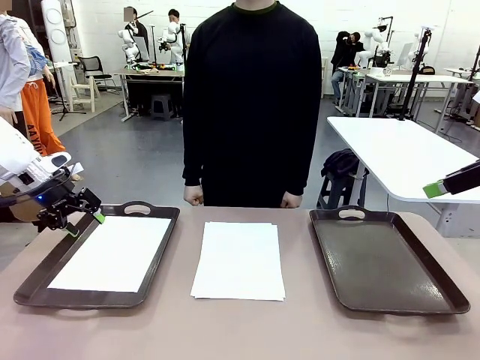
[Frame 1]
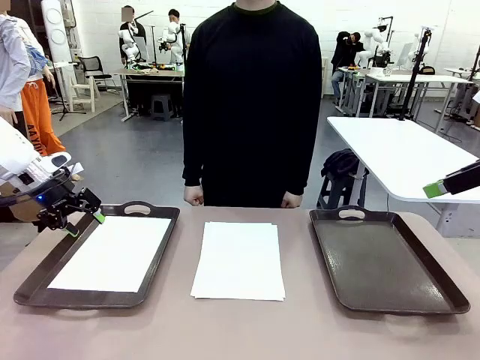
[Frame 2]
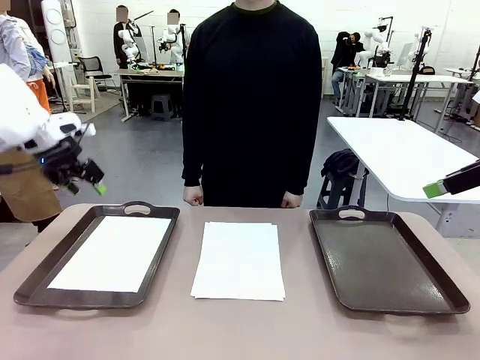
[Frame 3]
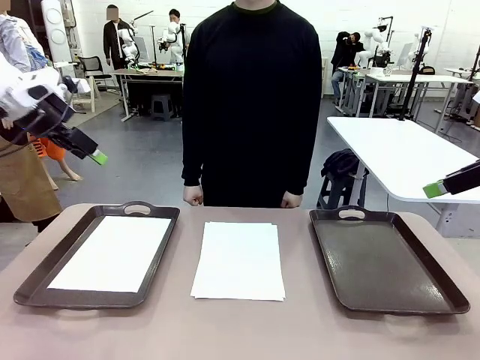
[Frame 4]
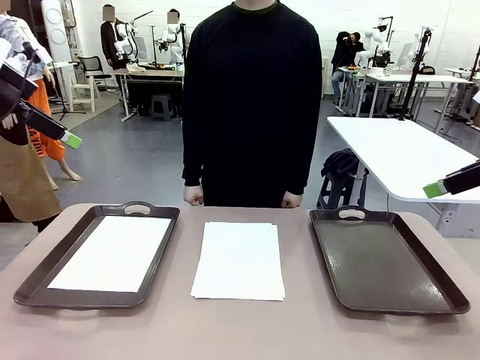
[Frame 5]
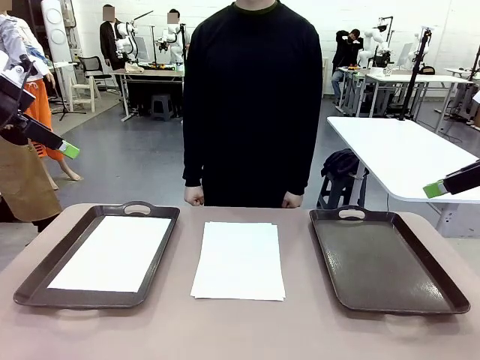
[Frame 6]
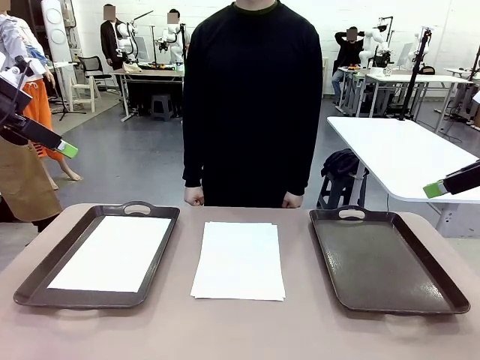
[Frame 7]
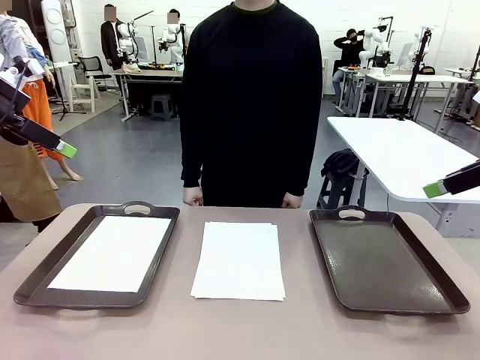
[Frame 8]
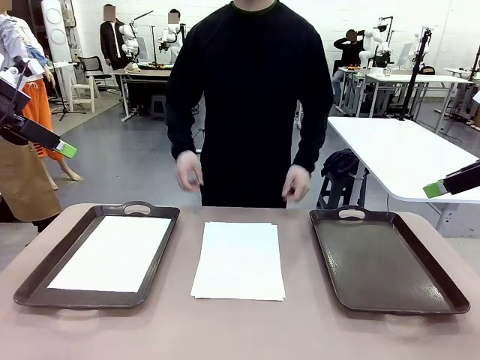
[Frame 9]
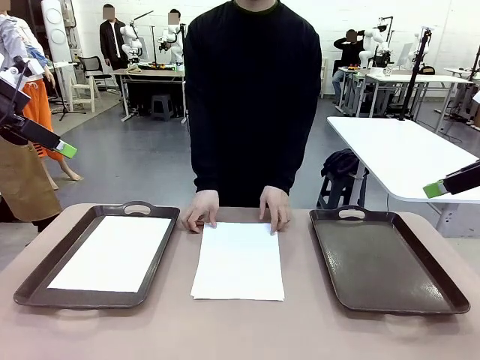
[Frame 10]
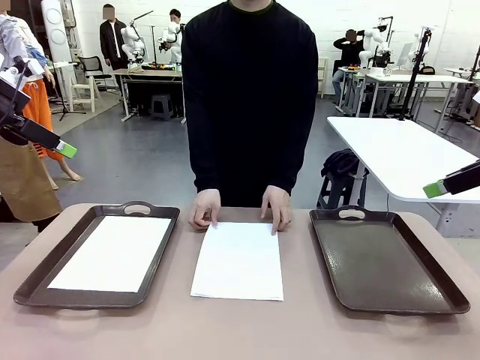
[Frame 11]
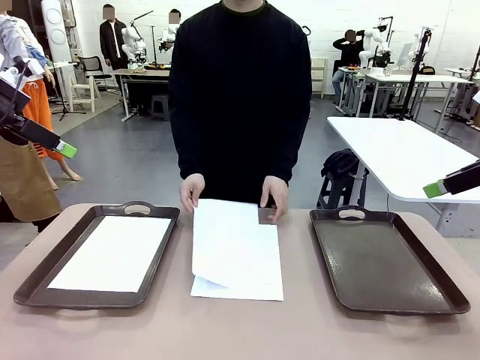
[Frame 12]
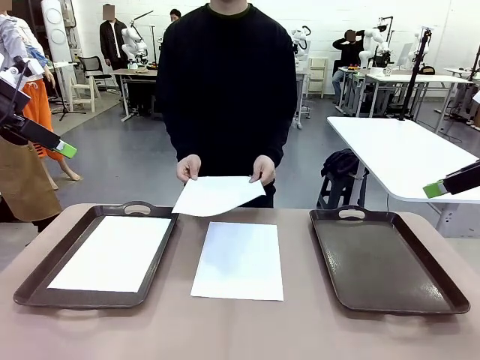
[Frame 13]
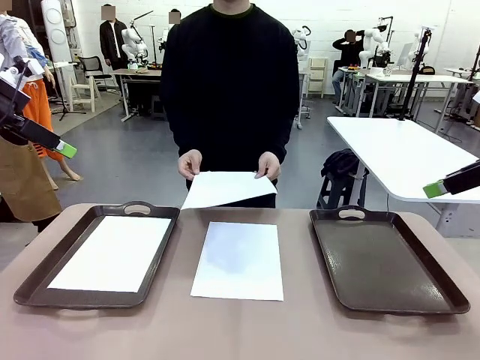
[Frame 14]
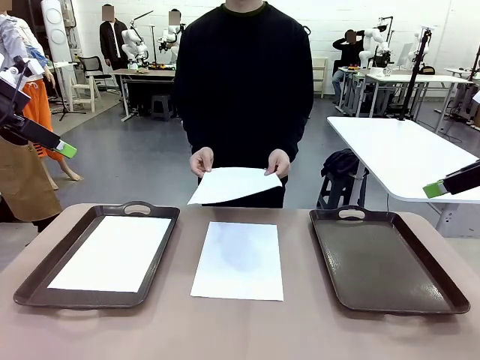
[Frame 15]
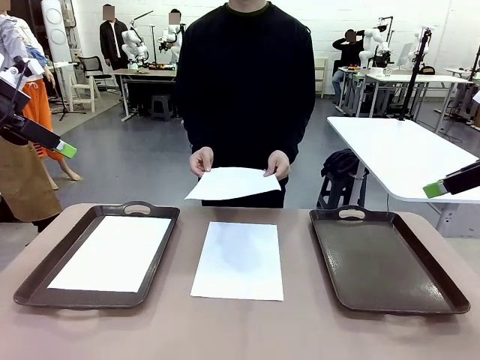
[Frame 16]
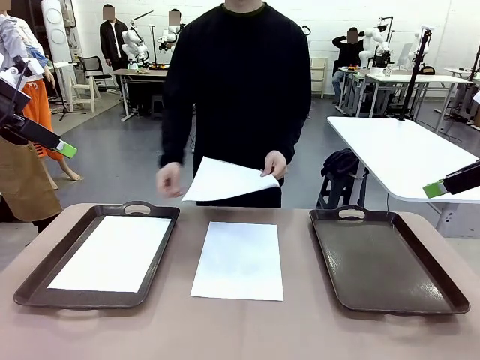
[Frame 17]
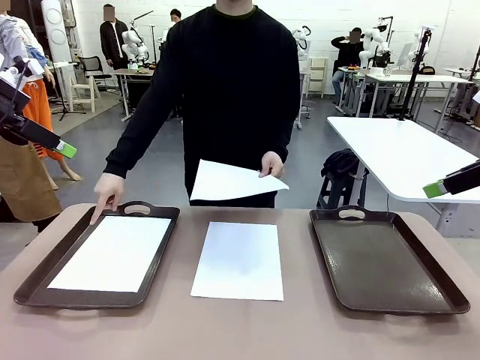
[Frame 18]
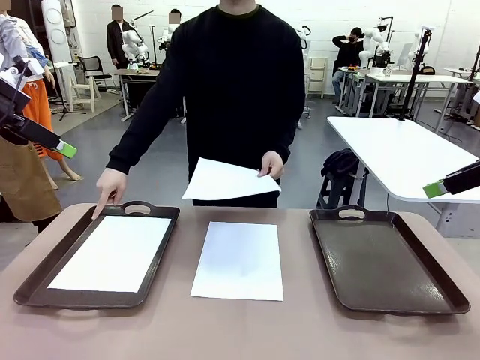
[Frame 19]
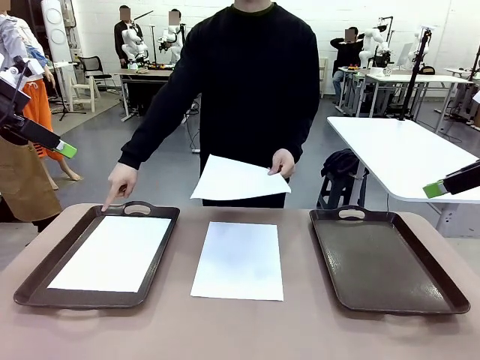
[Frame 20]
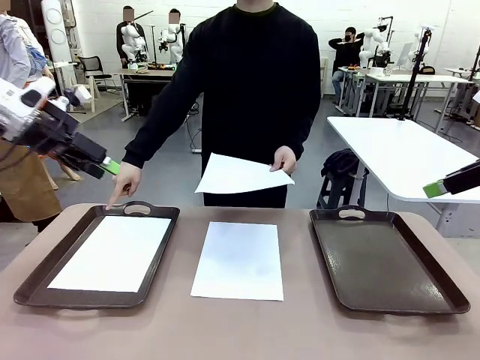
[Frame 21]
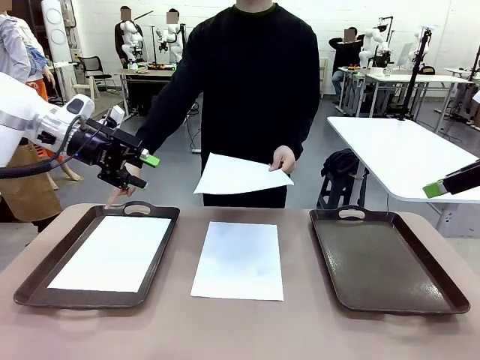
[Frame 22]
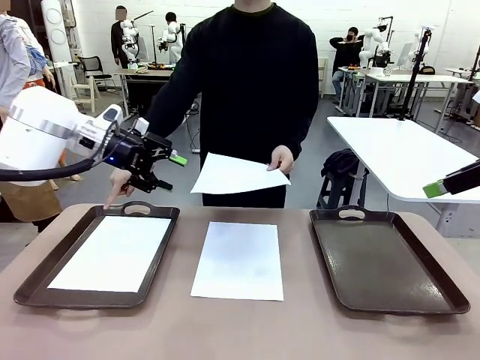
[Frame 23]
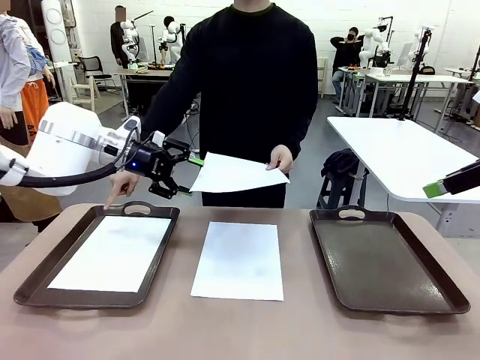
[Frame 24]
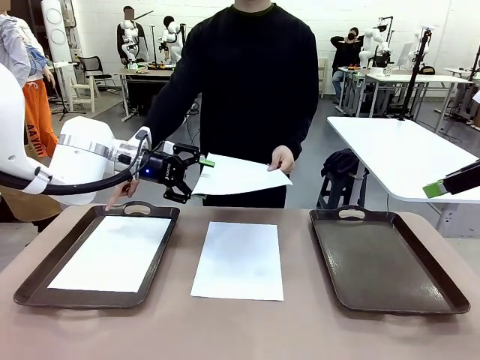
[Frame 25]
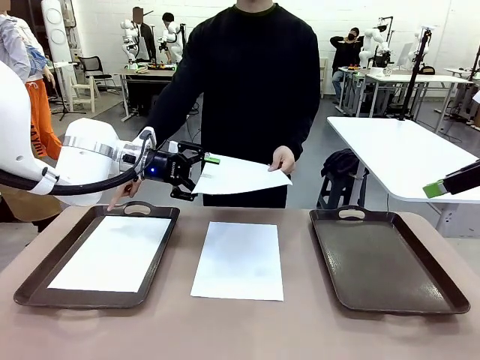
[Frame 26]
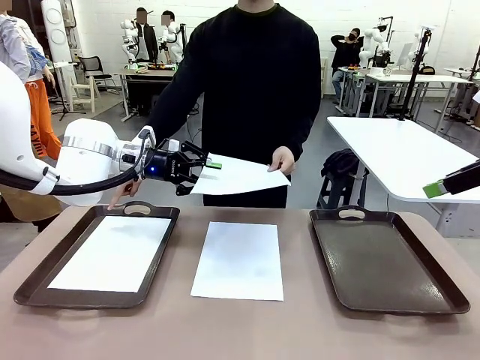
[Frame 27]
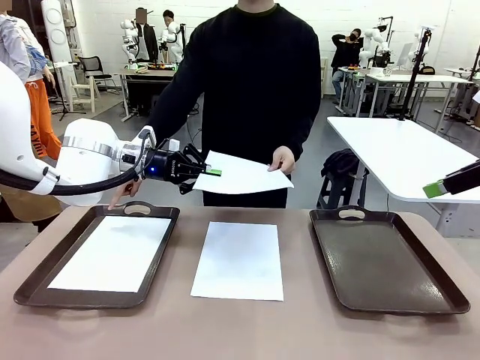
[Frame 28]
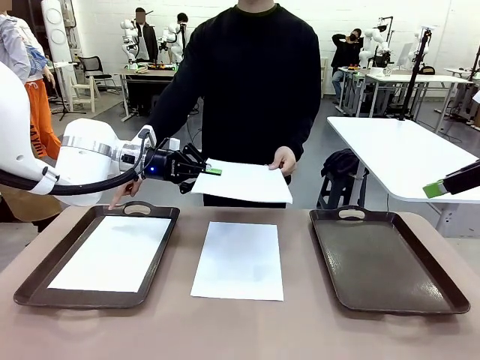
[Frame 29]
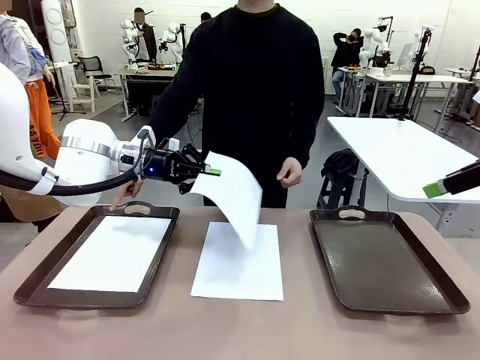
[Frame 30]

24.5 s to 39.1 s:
Task: Sort the A4 documents.
Robot: Receive the A4 Paper.
Person: Point the randomly selected tray with the other hand.

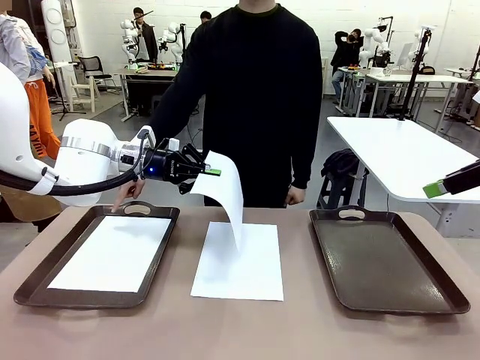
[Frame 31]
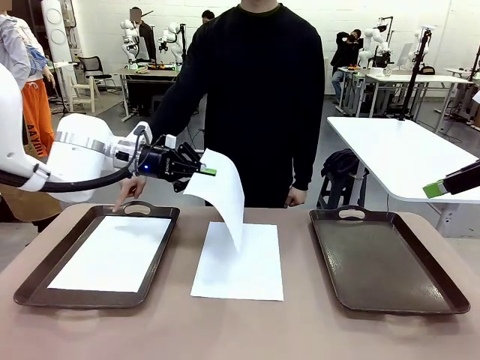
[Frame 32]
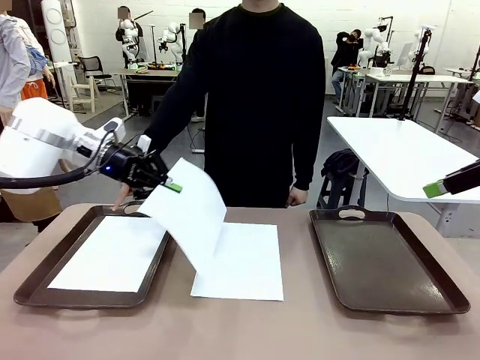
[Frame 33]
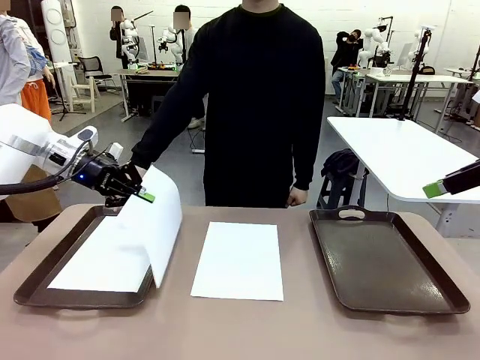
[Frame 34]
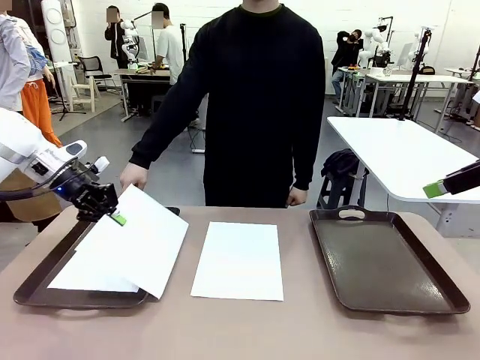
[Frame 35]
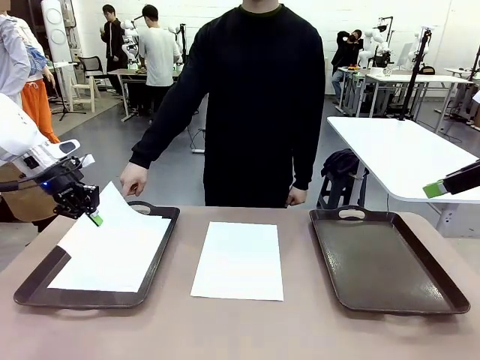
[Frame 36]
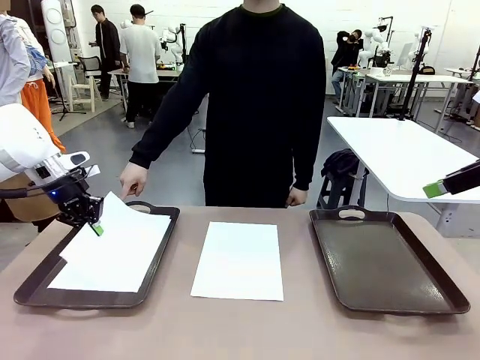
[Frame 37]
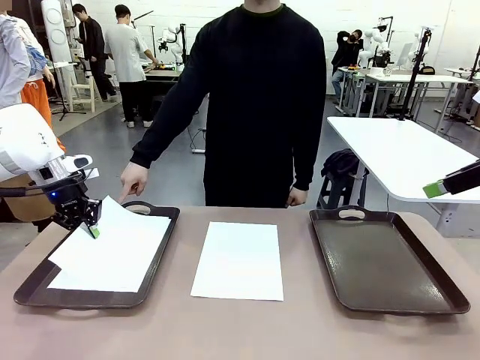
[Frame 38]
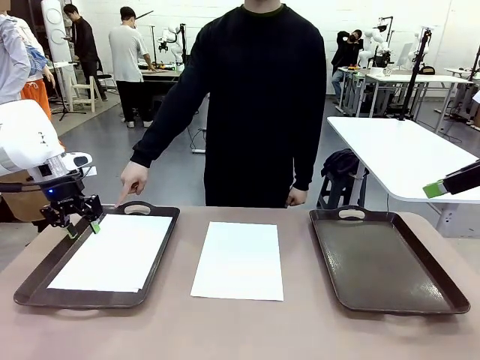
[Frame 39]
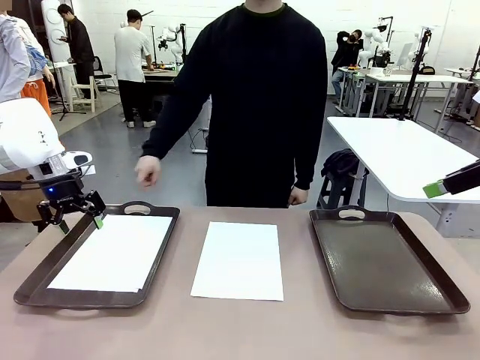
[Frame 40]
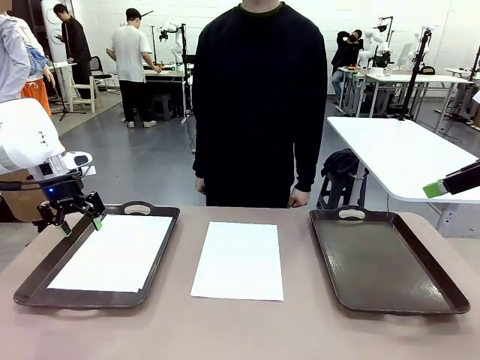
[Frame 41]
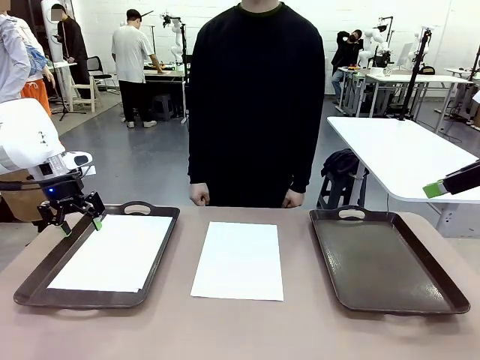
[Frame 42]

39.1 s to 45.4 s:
Robot: Place the A4 Paper in the designated Handle tray.

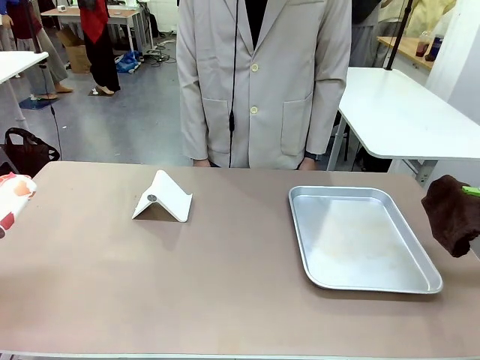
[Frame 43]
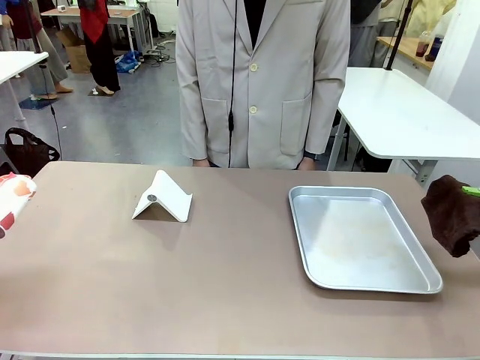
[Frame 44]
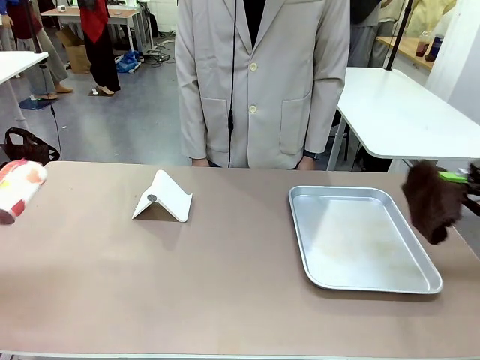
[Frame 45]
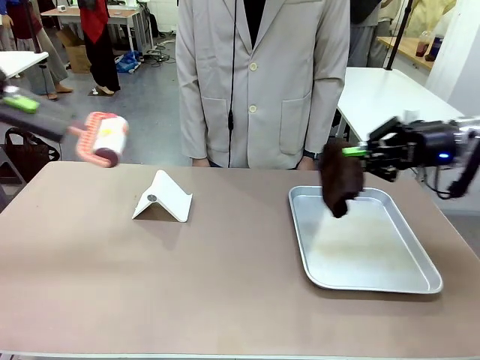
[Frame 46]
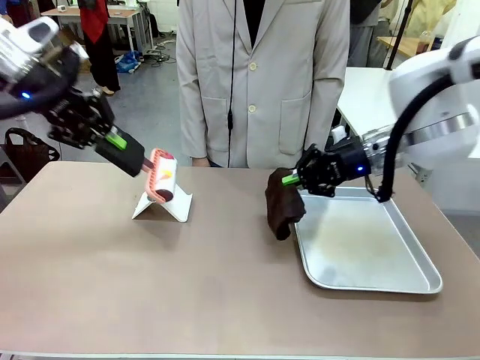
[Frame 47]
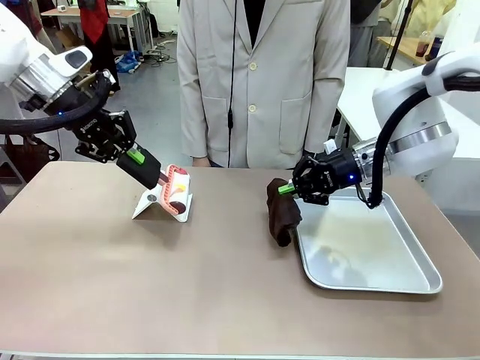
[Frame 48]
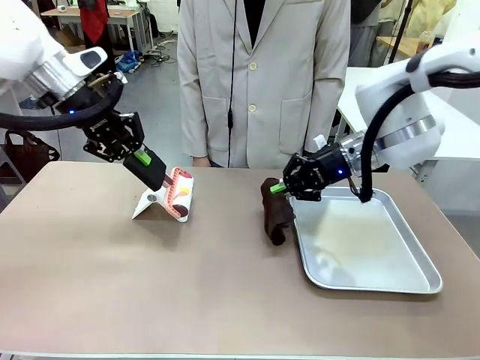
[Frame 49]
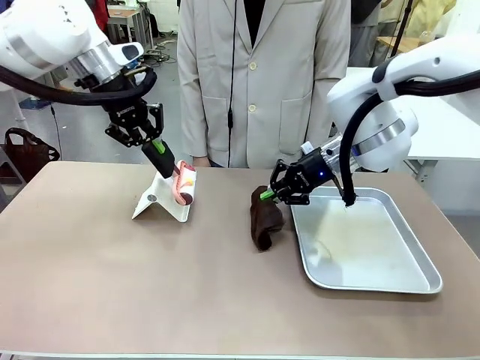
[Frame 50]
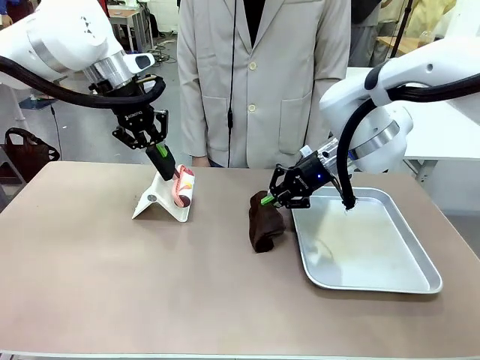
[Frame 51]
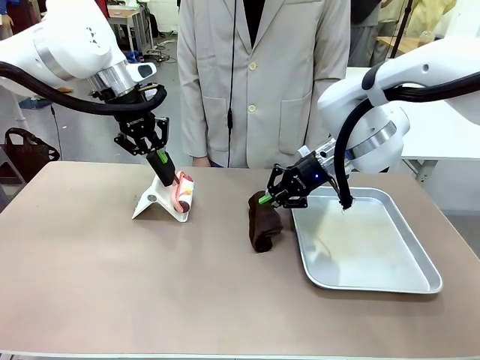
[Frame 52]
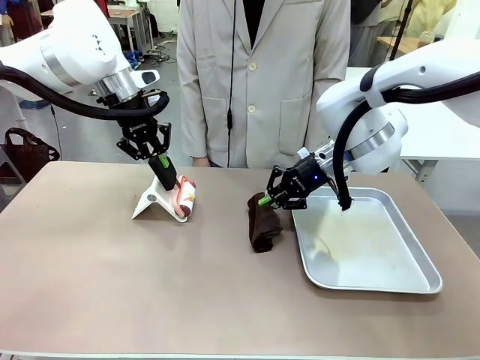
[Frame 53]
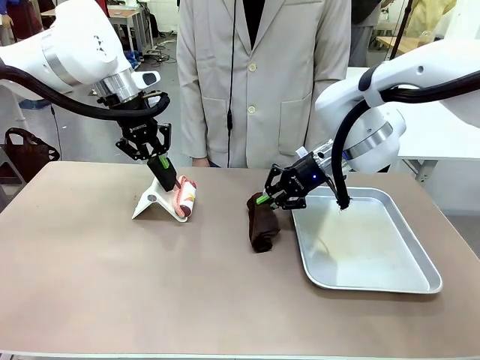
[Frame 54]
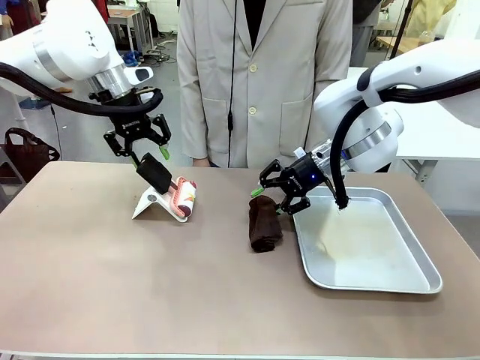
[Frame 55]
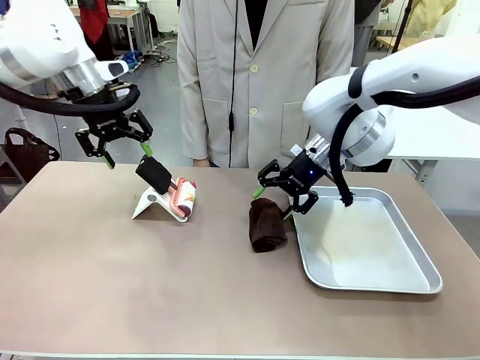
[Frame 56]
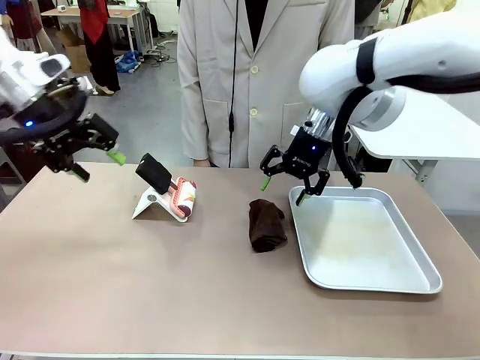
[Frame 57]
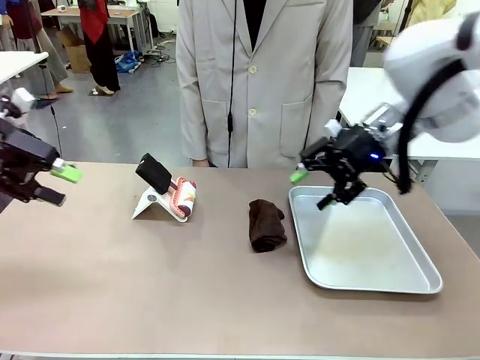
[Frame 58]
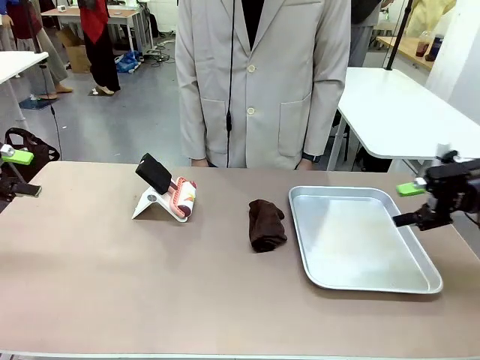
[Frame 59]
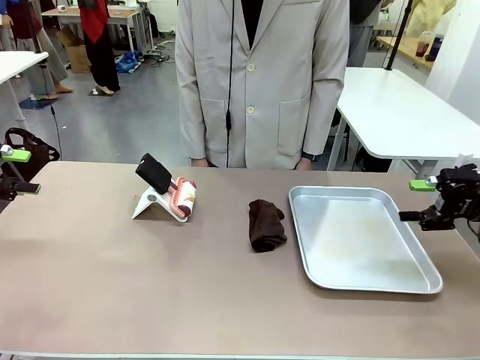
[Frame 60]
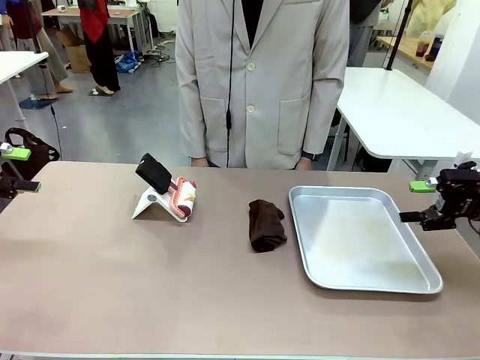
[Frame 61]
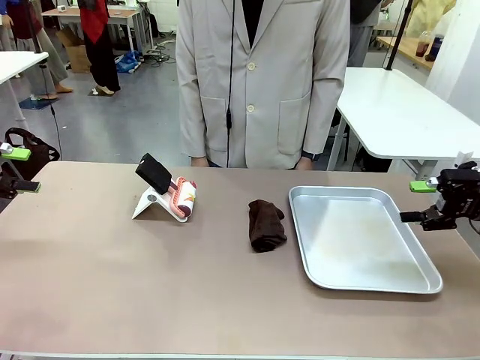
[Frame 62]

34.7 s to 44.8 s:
Task: Clean the surface of the table.
Robot: Return the Lint Roller and towel to their original positions.
